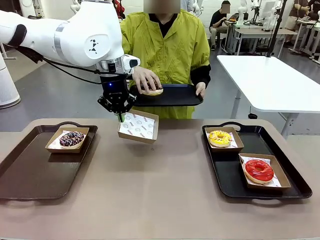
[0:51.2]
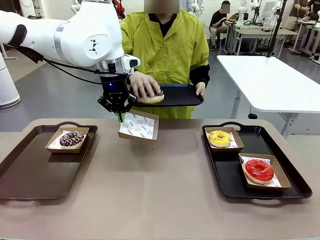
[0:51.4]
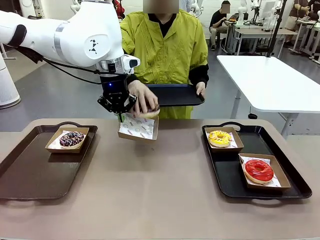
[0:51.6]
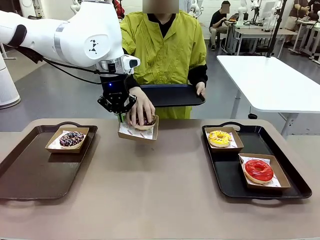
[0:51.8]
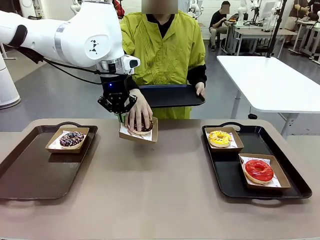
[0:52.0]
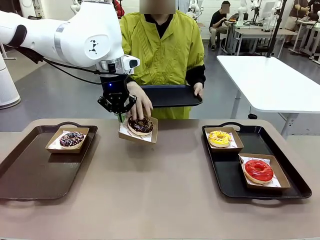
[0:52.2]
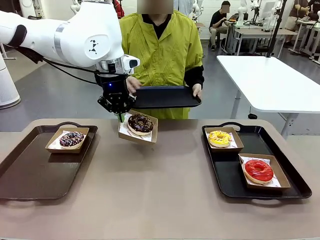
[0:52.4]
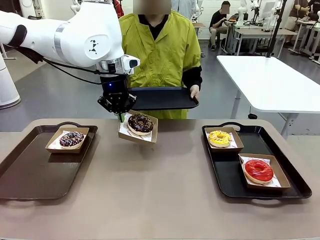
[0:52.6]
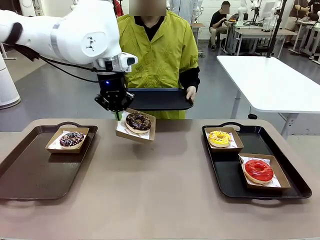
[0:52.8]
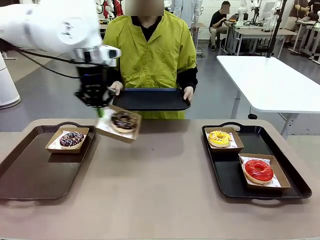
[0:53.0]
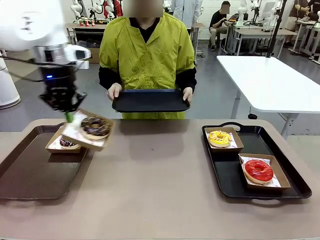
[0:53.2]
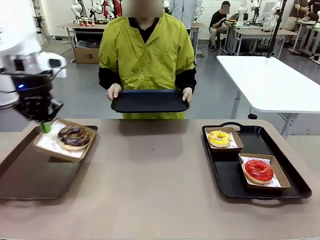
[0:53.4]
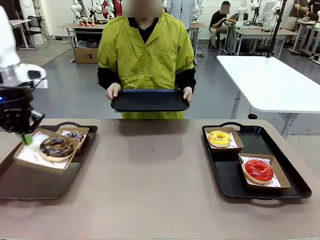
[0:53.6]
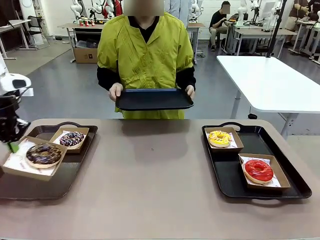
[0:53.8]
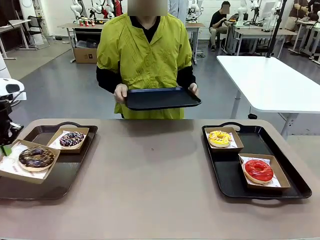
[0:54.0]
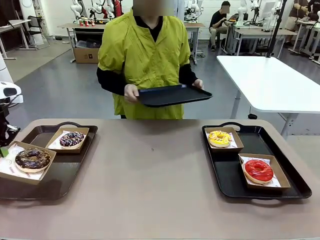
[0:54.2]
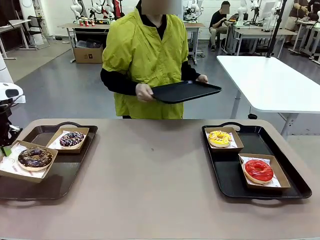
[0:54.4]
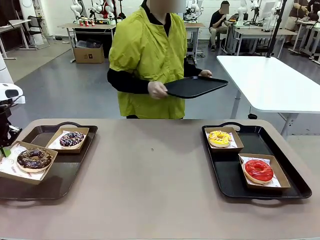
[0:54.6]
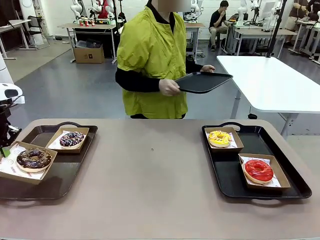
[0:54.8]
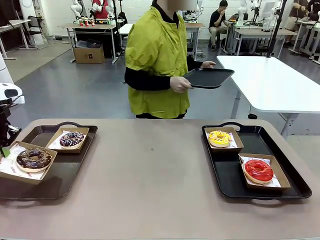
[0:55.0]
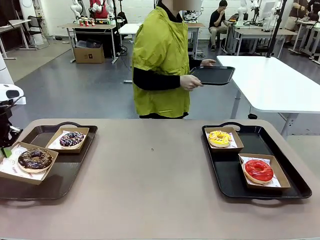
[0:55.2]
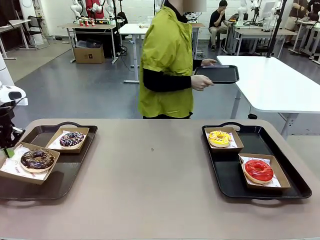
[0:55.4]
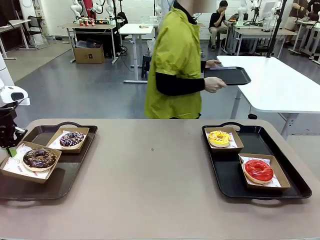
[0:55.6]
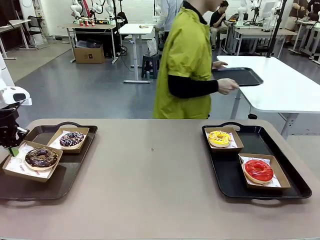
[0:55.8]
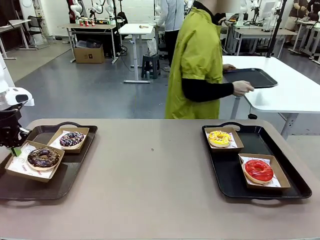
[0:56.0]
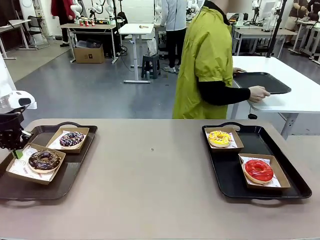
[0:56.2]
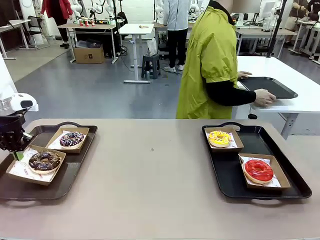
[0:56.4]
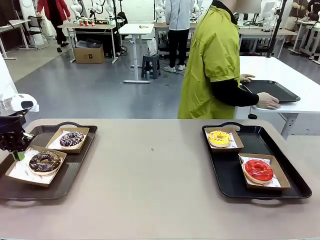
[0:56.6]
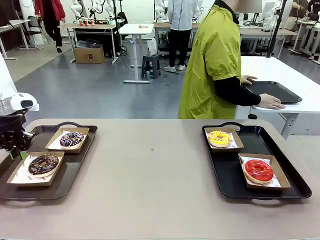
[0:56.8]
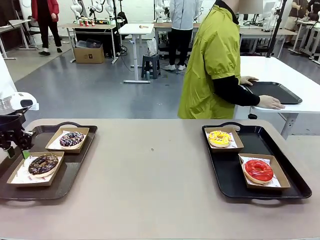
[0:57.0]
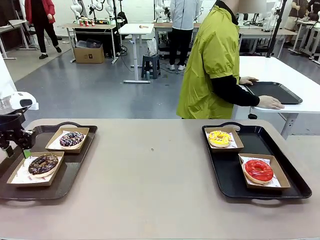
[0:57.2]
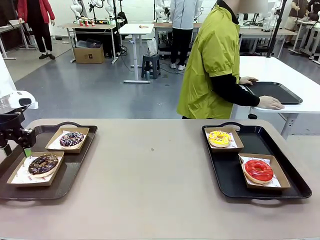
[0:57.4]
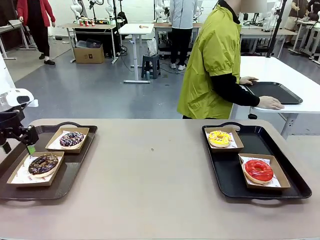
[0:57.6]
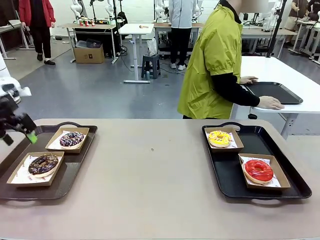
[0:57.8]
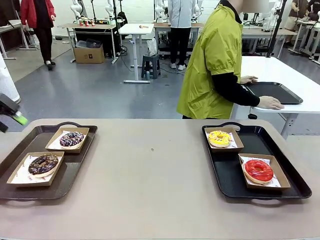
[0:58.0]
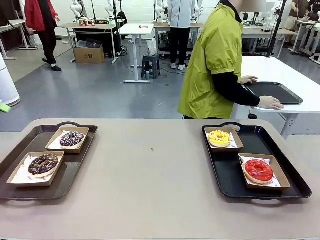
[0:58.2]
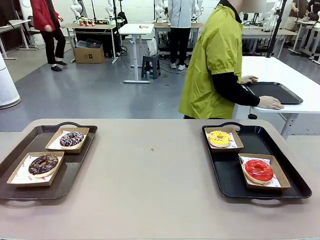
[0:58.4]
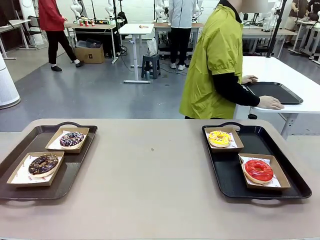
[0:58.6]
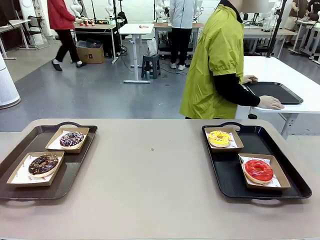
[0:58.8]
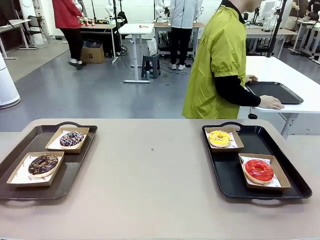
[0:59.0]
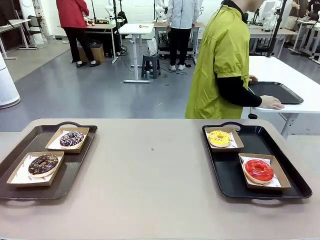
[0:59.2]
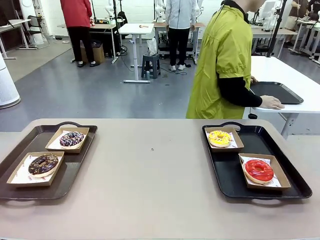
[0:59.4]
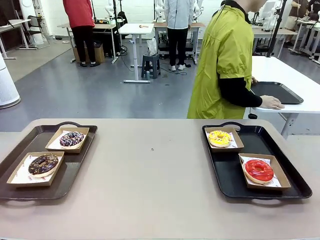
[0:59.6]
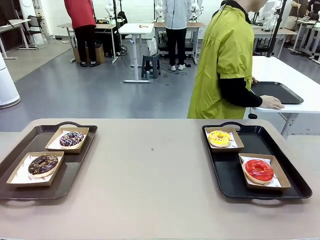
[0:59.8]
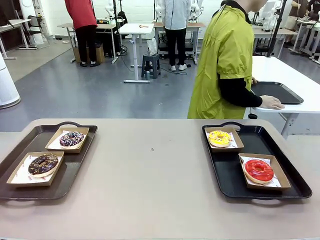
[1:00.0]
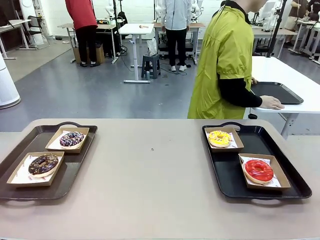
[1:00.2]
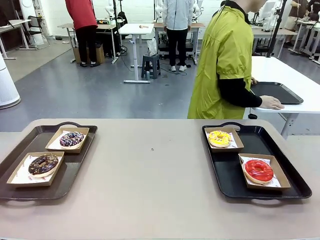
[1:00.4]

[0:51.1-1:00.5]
Task: Individually package the donuts and arrange them on the tray.
Robot: Place the picked Paper togo box on the Handle tray.
Person: Place the tray down in the middle of the human table.

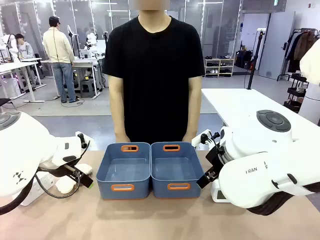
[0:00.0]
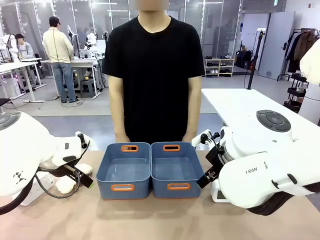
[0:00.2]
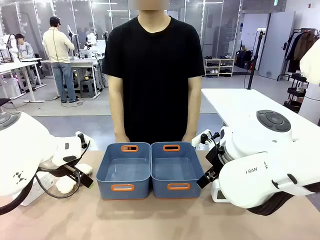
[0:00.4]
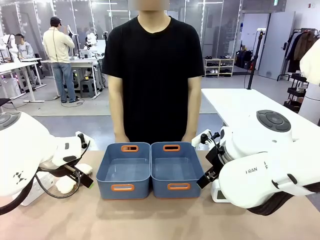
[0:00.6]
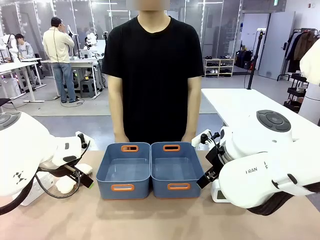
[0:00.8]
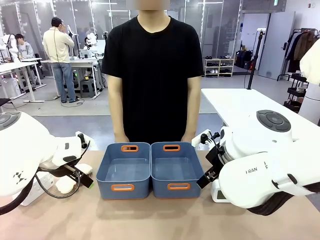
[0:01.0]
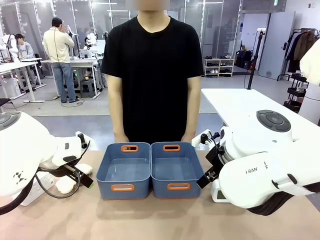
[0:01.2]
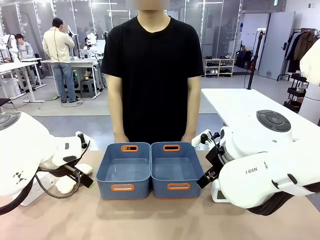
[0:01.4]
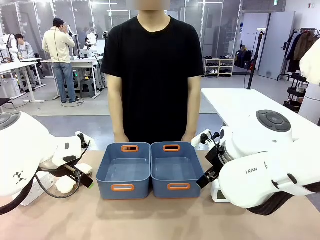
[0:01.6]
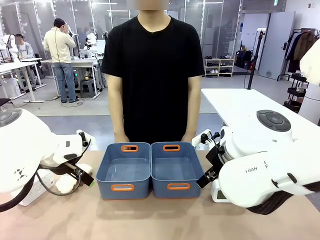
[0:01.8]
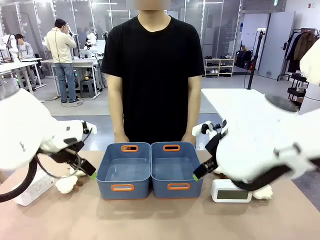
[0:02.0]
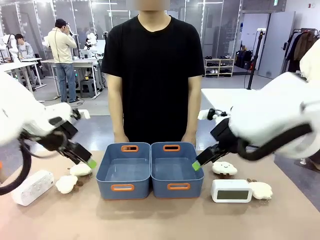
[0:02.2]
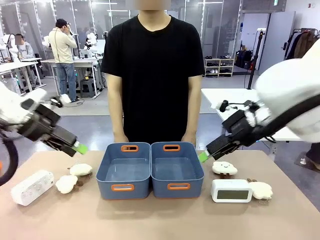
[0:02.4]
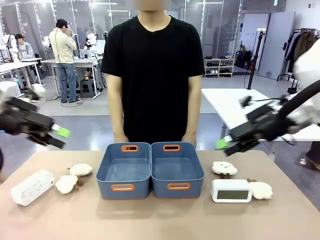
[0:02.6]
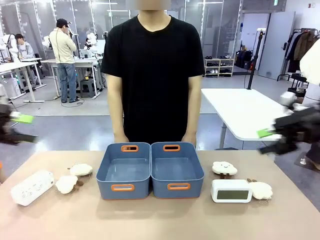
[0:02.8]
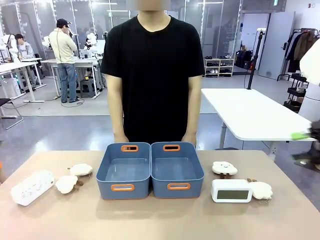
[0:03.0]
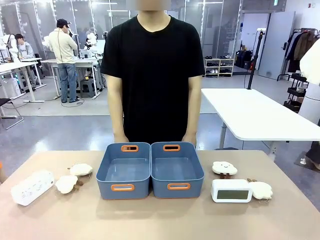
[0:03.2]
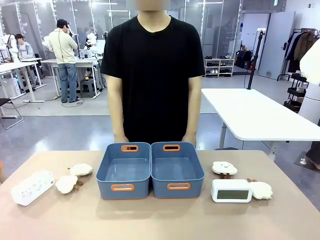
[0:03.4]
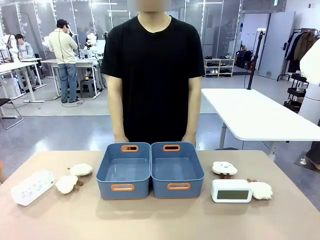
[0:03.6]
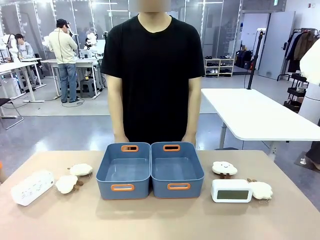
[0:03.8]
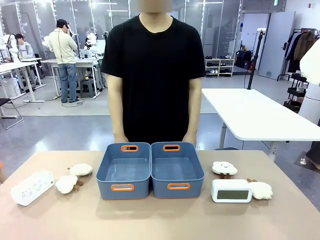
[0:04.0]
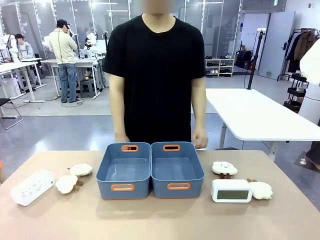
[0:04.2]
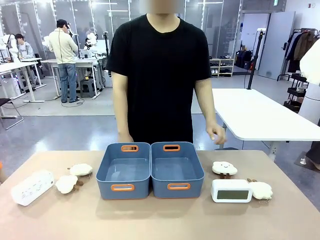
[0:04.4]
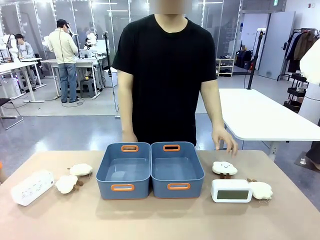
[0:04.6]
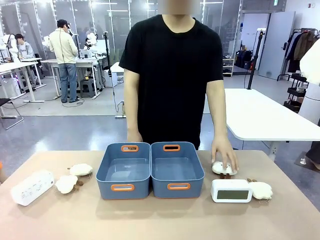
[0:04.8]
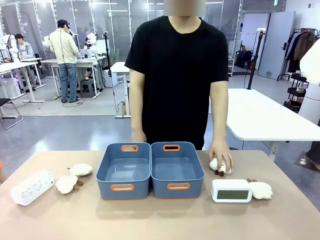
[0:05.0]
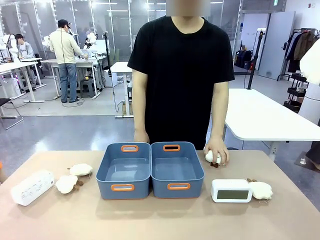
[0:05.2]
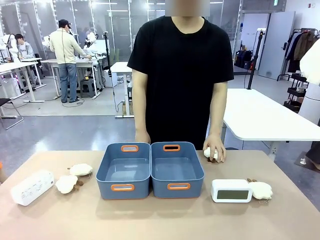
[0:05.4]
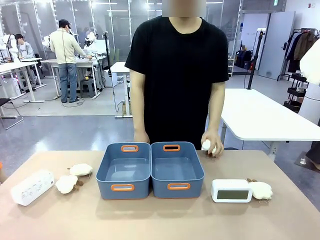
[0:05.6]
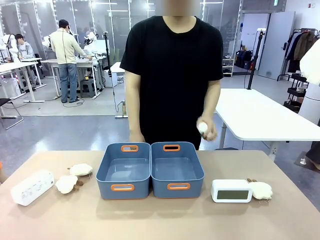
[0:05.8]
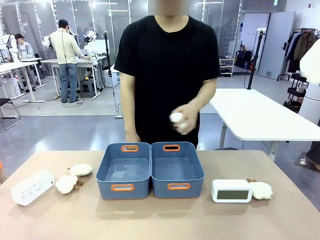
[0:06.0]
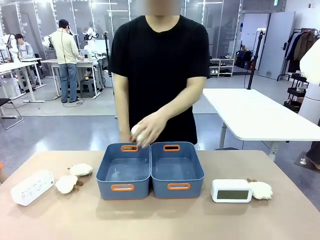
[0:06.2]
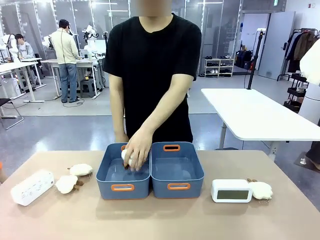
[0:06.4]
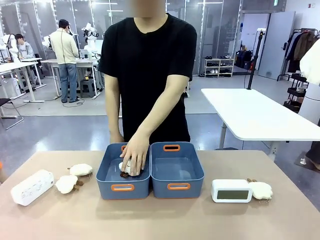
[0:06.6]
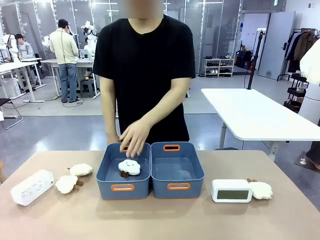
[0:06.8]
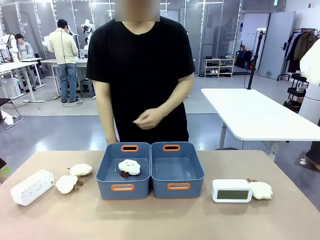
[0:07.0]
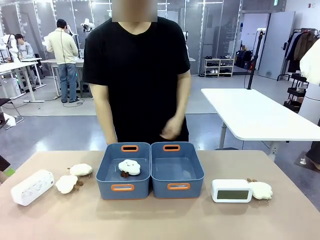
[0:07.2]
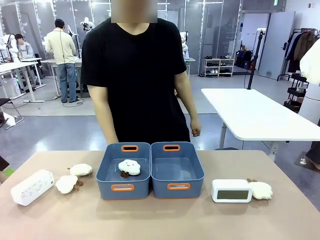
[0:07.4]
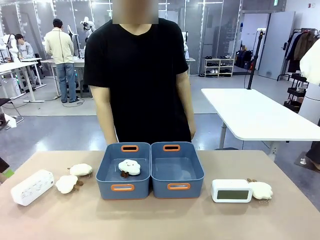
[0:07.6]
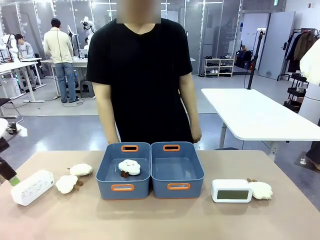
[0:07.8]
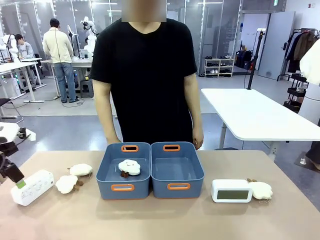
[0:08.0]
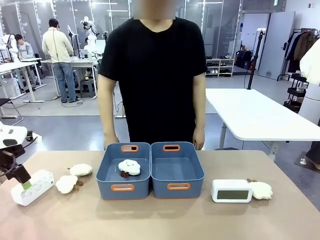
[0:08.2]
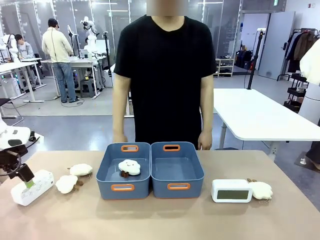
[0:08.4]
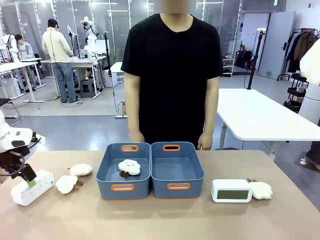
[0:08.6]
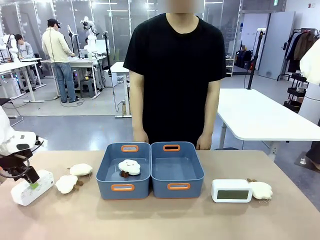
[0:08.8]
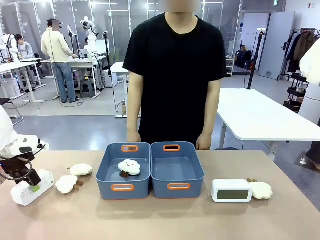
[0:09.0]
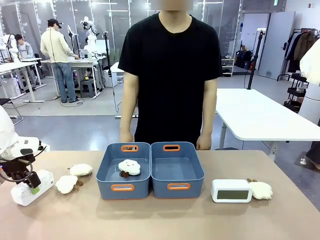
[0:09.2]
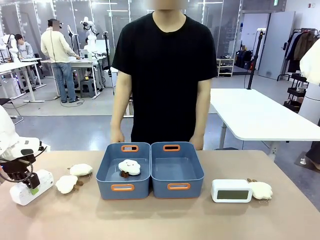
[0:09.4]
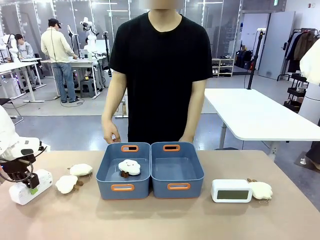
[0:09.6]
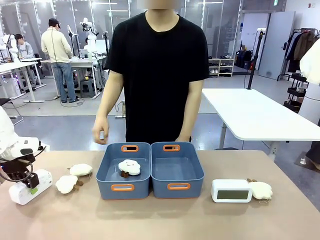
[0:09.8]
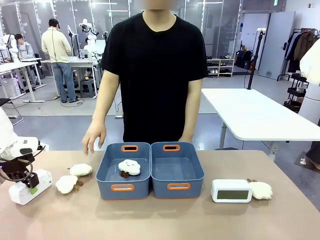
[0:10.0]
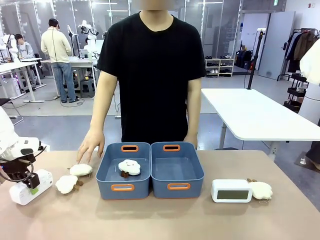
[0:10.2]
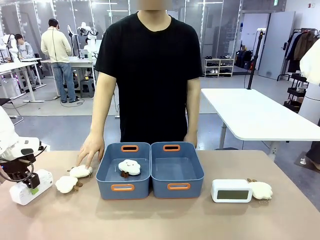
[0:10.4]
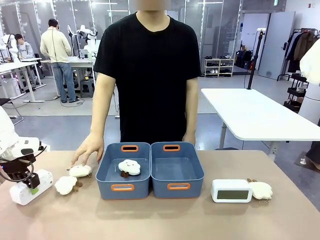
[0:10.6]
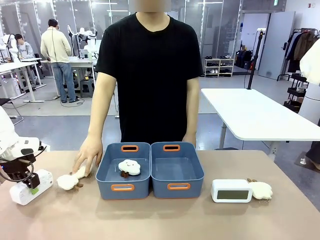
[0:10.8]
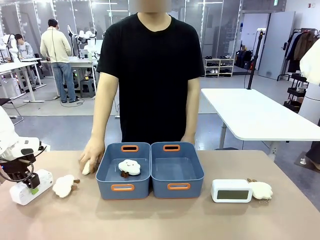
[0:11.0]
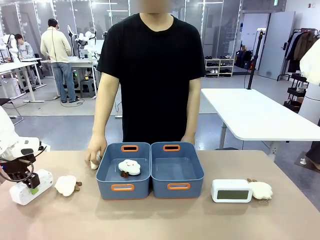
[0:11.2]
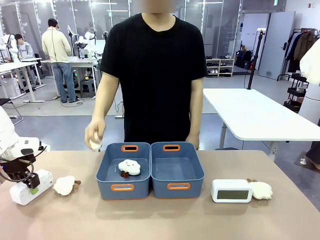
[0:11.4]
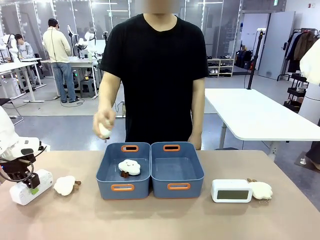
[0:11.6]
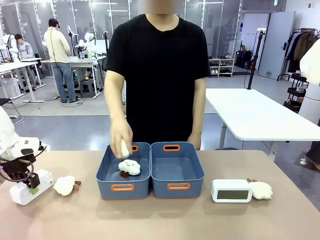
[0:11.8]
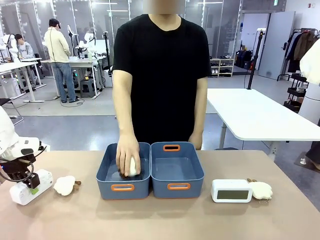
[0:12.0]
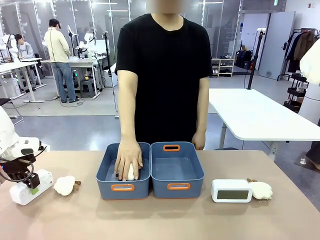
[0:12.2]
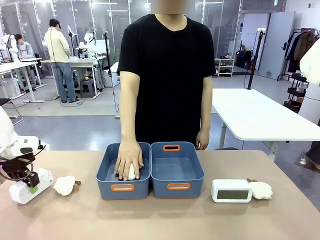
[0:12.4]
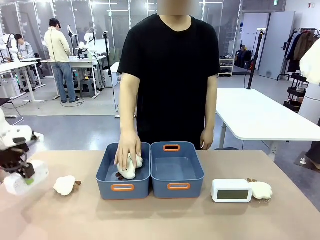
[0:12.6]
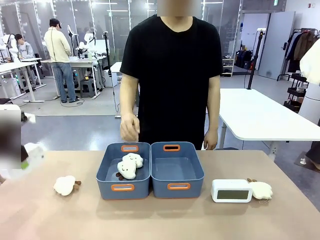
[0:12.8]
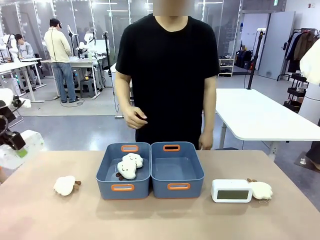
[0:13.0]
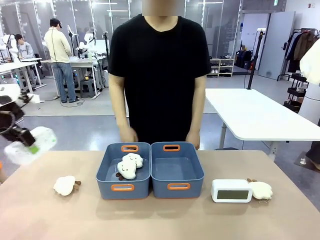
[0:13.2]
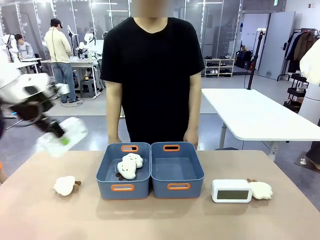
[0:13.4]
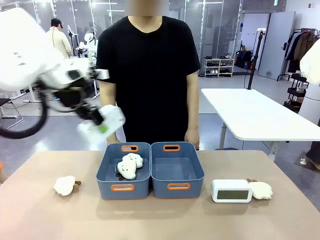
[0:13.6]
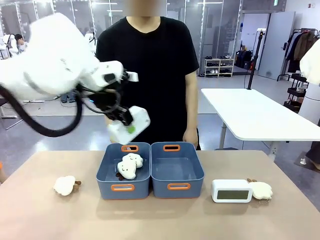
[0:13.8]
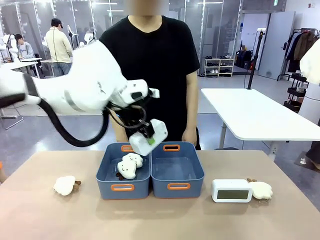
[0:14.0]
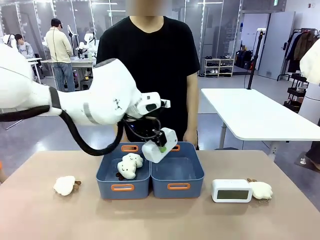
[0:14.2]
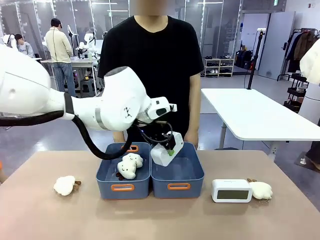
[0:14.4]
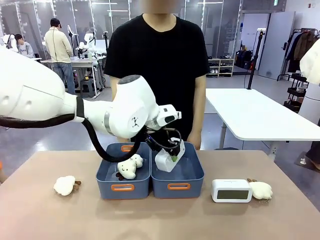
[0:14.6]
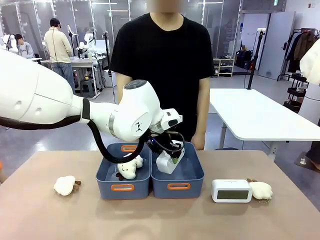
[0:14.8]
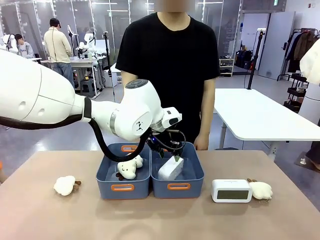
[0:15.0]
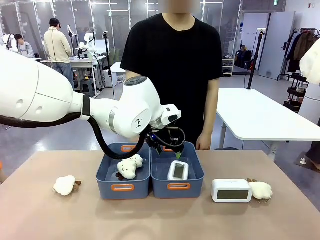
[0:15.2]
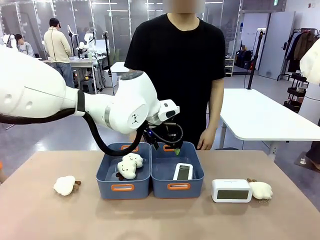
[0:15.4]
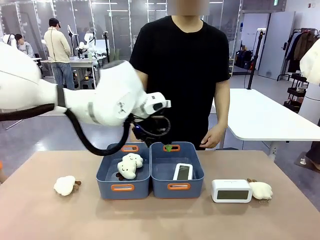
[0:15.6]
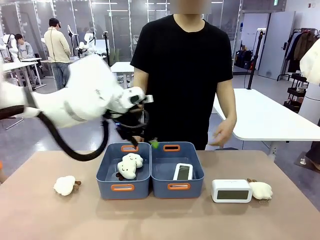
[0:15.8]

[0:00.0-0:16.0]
Task: Sort the digital clocks into the basket.
Robot: Pick up the Digital clock from the table and place it into the empty Plastic storage basket.
Person: Pick up a plush toy from the table and place it in a plastic storage basket.
